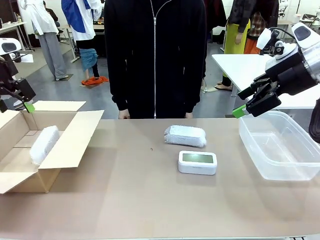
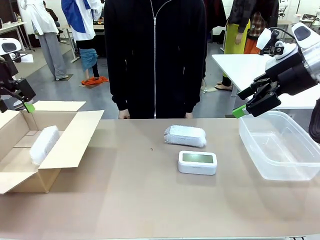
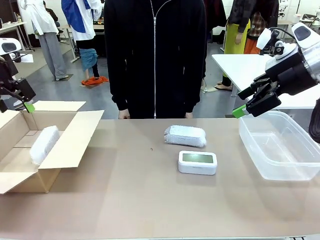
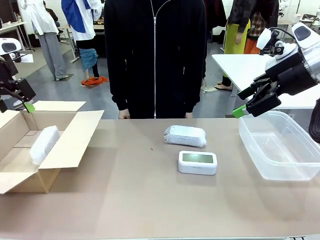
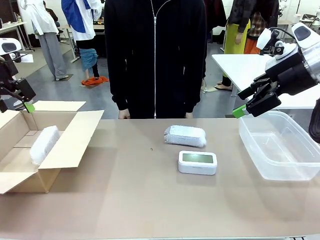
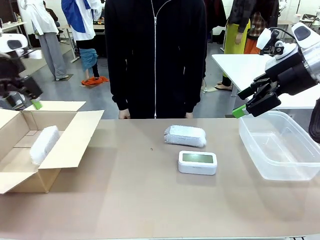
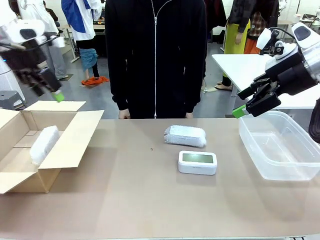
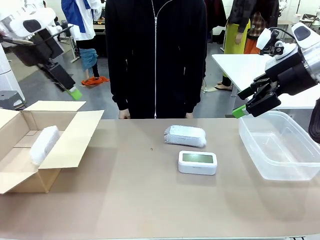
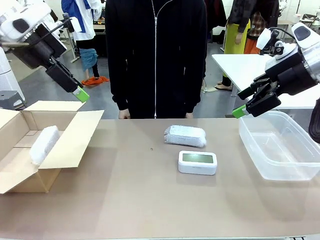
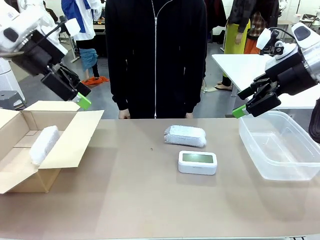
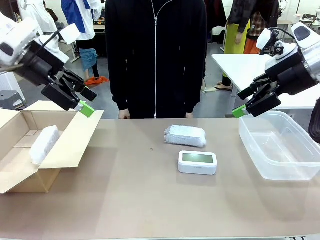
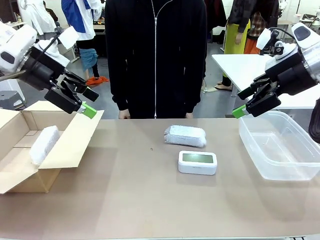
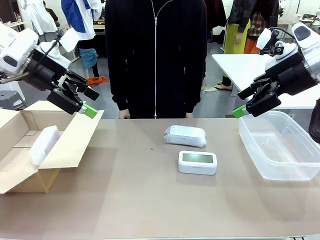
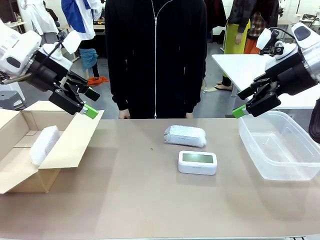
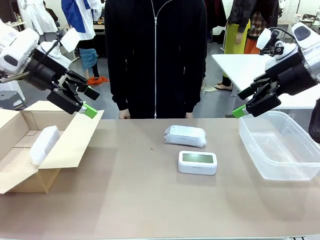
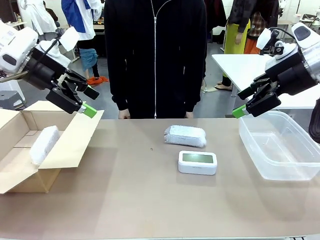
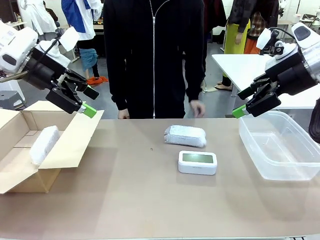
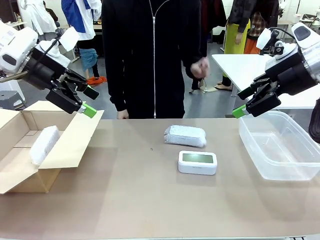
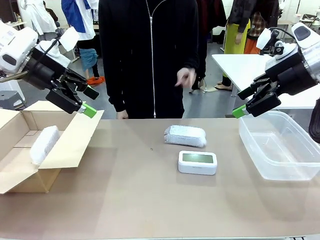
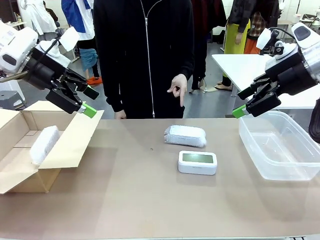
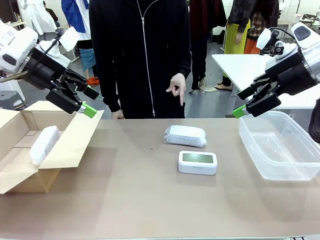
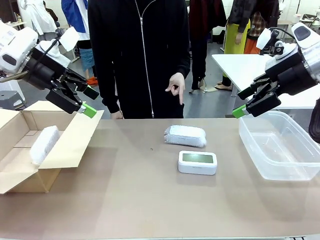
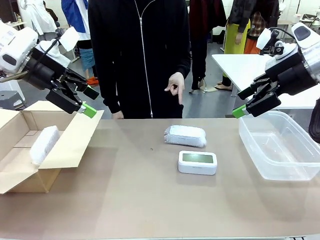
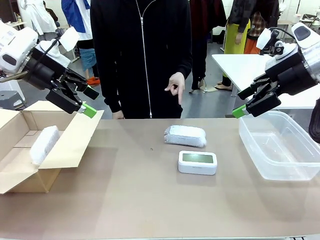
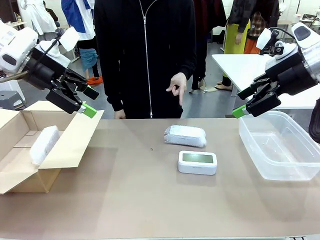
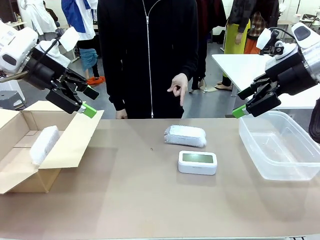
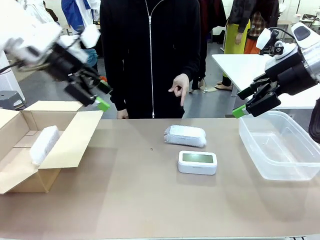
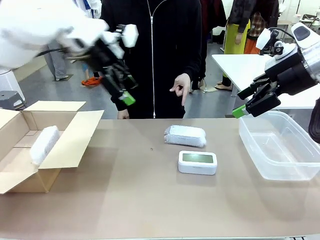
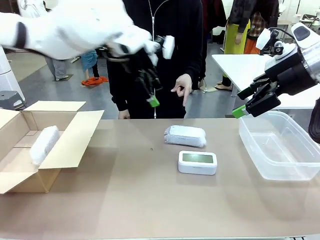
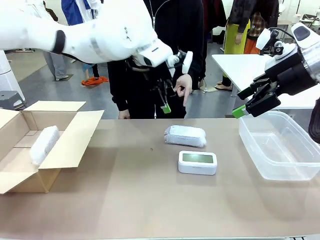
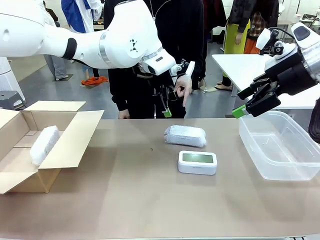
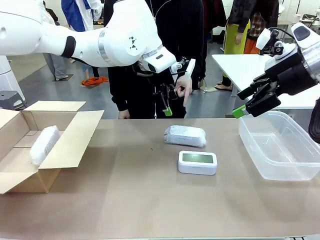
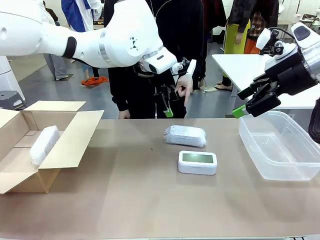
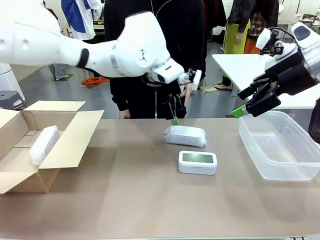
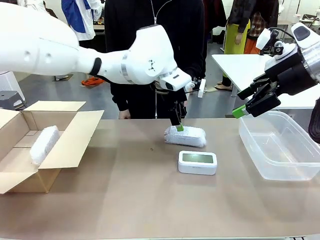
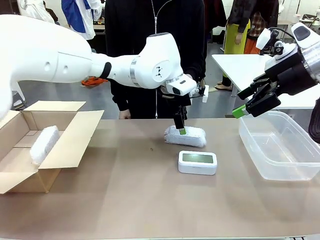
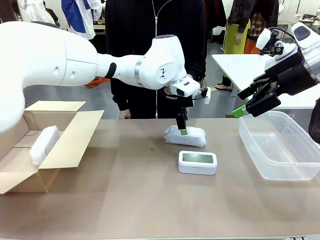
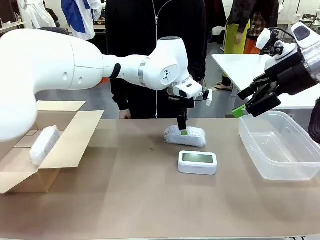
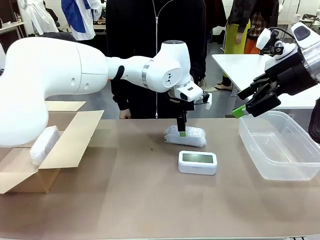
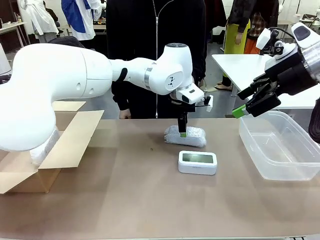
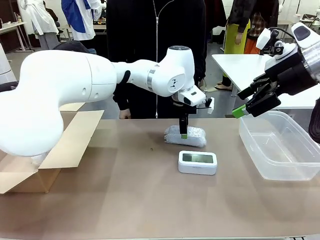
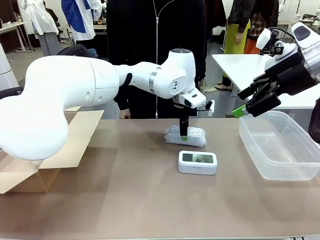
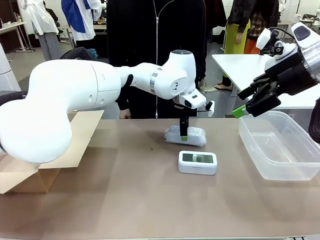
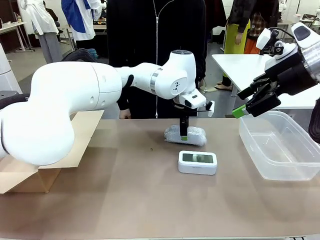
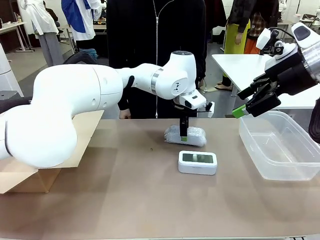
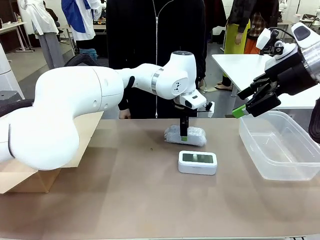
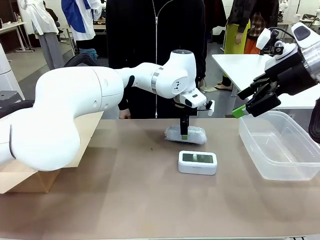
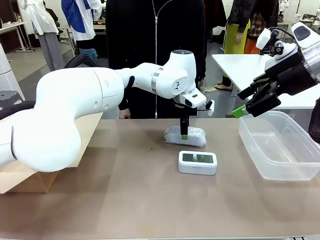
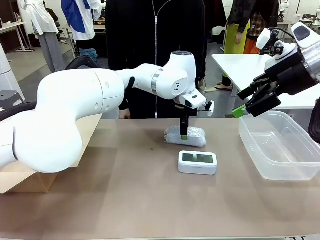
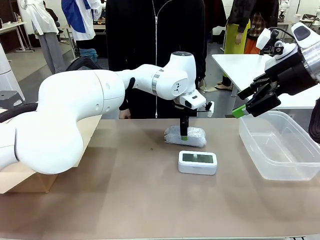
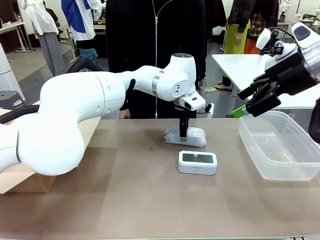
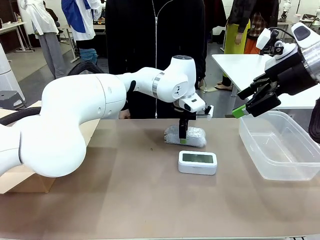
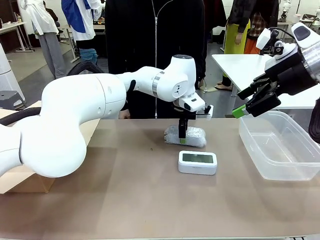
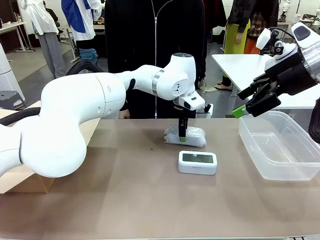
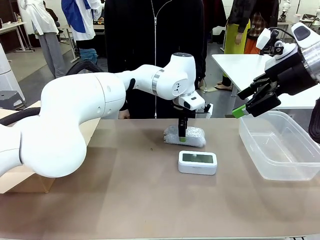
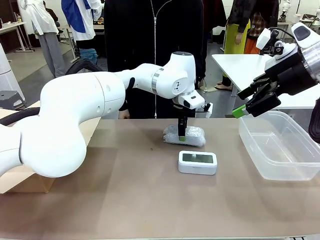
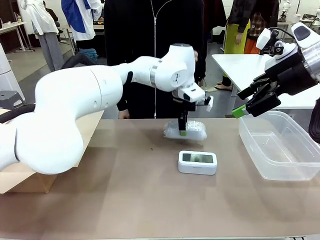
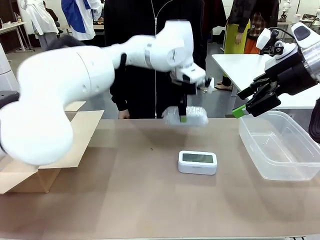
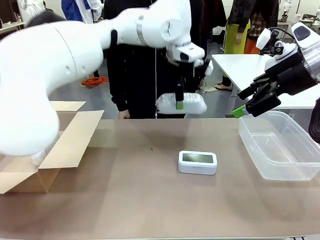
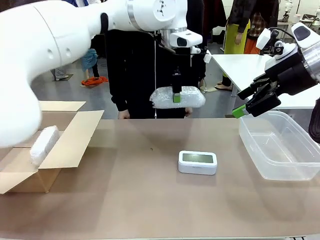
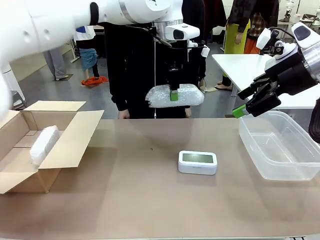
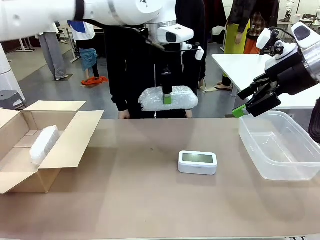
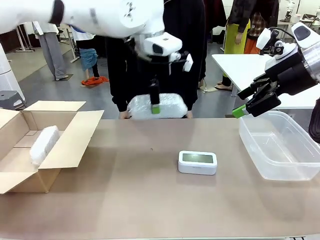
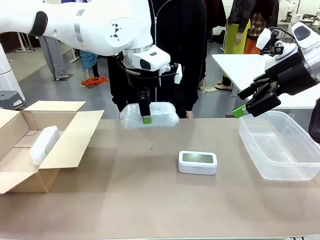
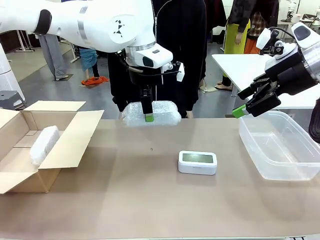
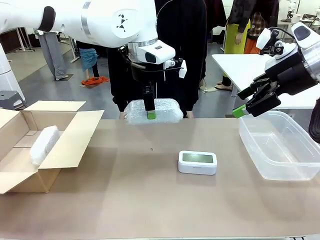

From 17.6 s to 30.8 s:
Task: Separate and place wrapped and unwrapped clocks.
Robot: Pick up the Digital clock indicated by the person.

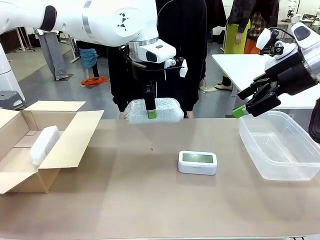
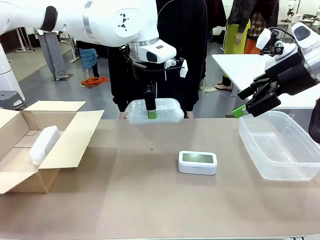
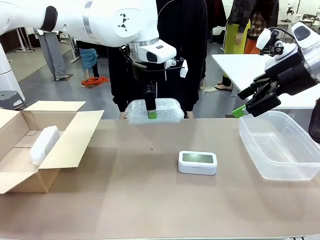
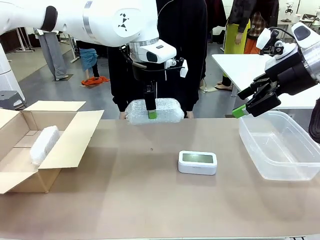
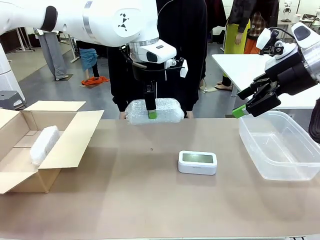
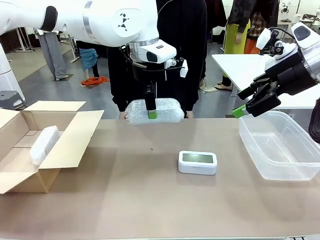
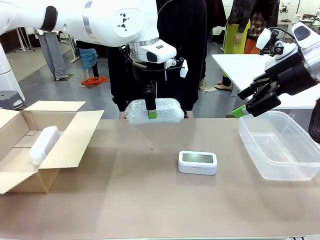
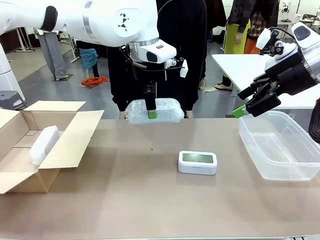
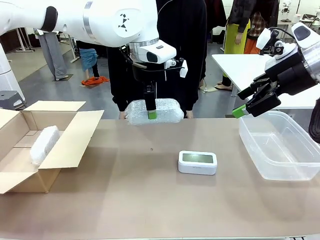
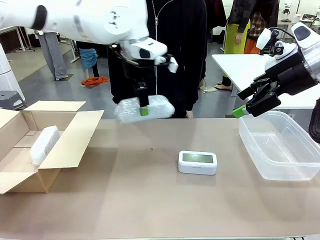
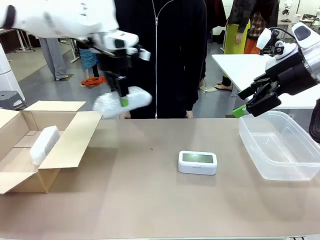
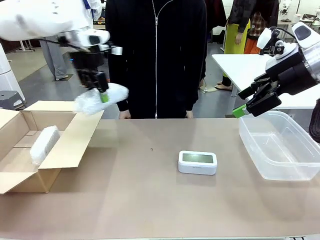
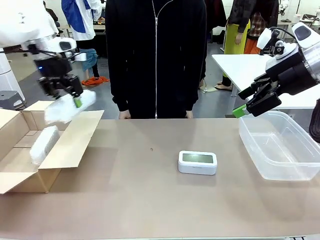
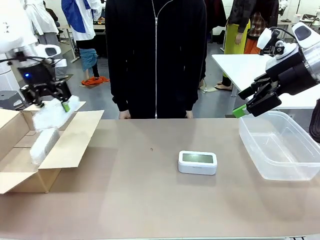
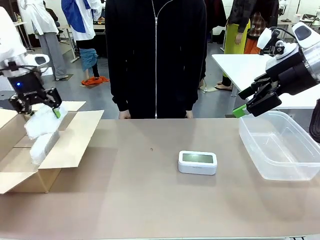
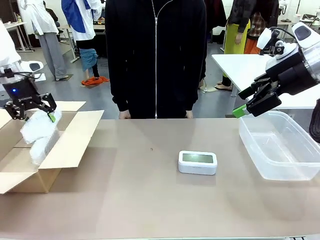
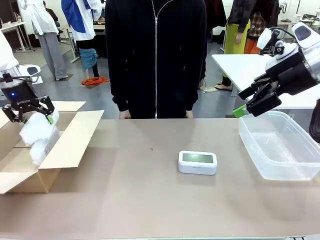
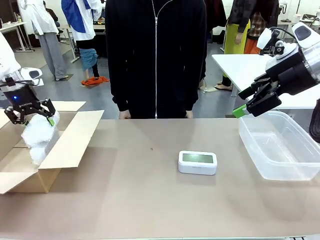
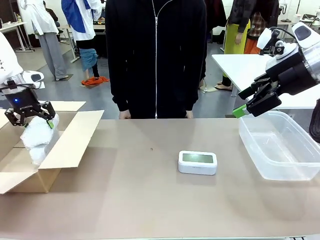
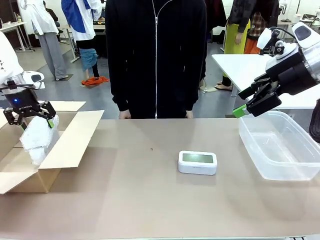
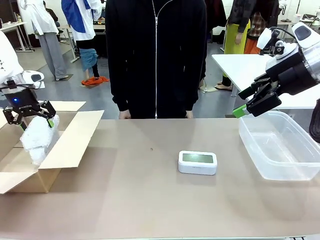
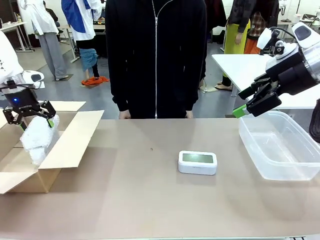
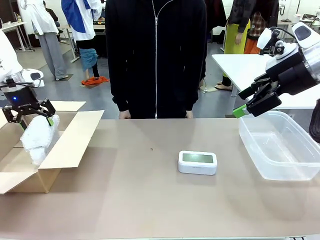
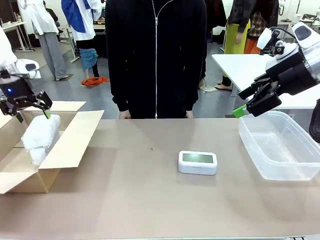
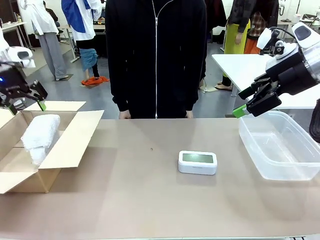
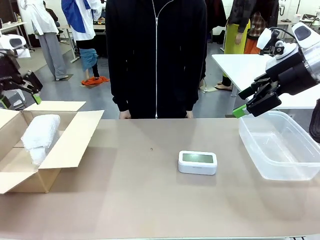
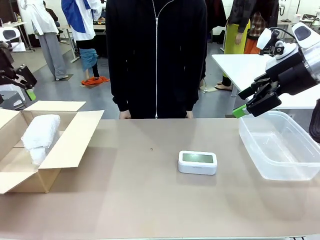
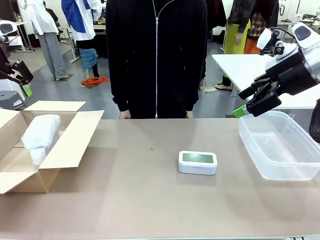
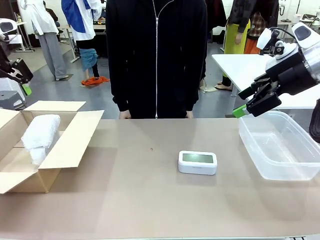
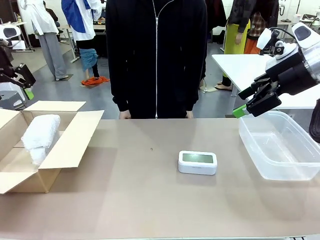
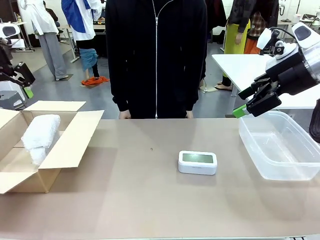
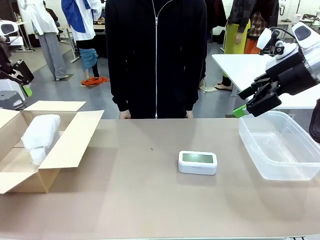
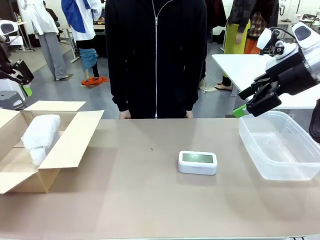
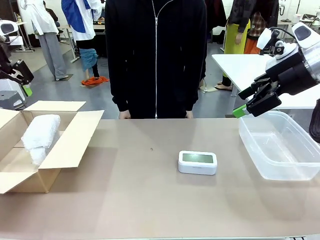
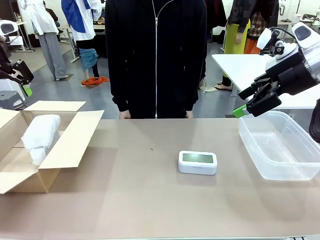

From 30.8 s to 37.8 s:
Robot: If the picked Digital clock is wrapped, place it in the Package Box ; if not, place it in the Organizing box.
